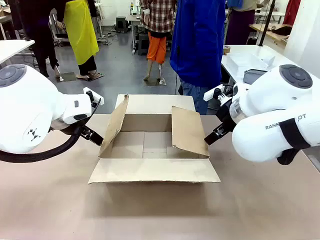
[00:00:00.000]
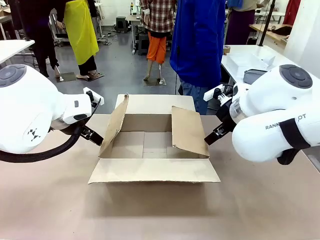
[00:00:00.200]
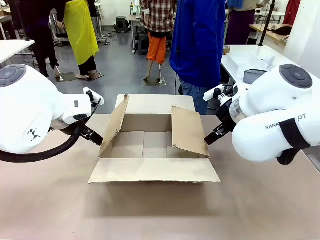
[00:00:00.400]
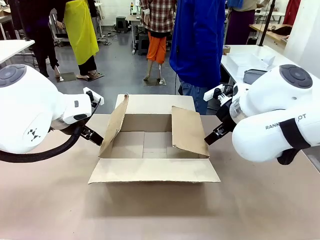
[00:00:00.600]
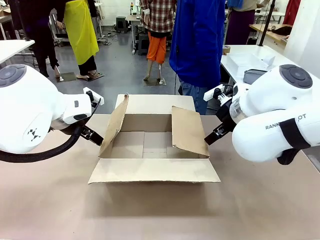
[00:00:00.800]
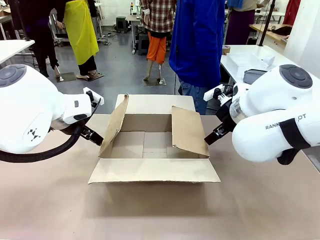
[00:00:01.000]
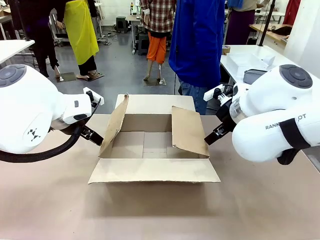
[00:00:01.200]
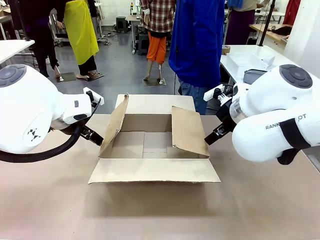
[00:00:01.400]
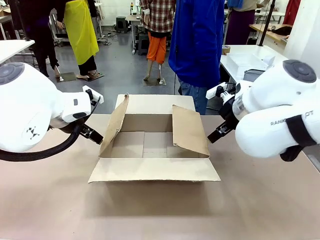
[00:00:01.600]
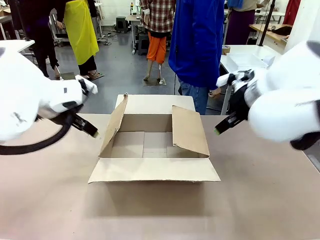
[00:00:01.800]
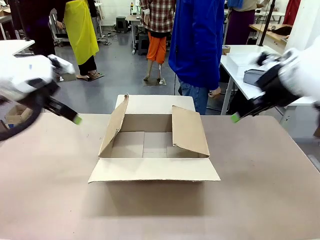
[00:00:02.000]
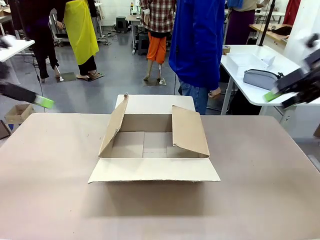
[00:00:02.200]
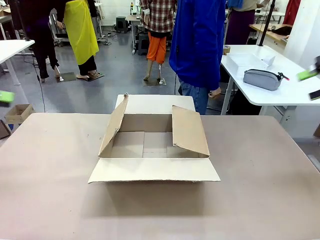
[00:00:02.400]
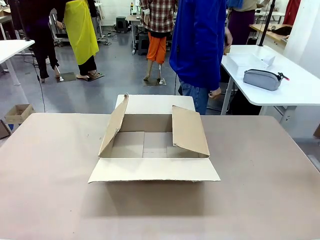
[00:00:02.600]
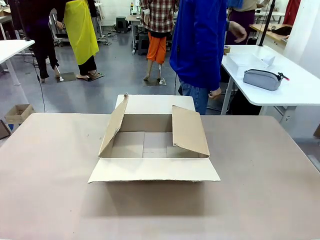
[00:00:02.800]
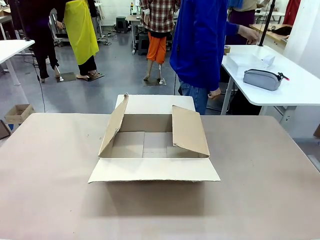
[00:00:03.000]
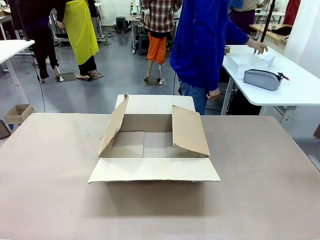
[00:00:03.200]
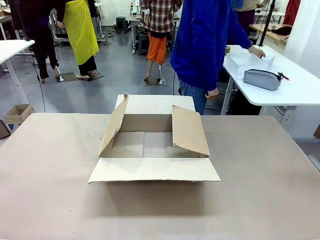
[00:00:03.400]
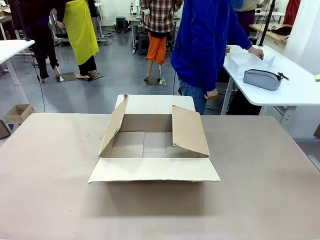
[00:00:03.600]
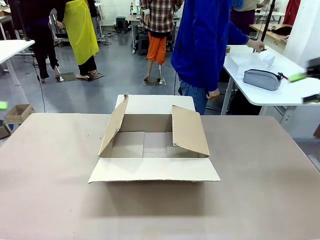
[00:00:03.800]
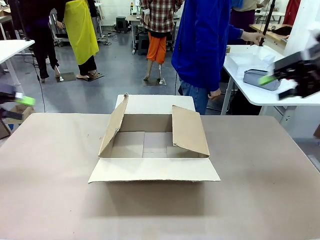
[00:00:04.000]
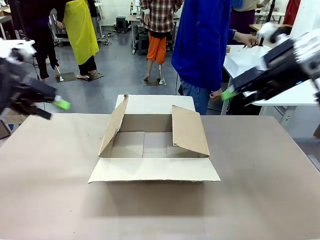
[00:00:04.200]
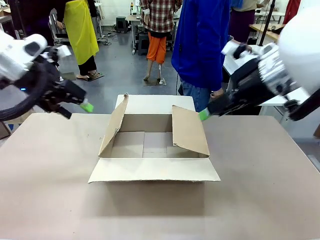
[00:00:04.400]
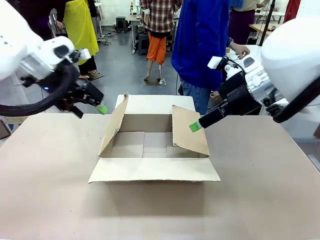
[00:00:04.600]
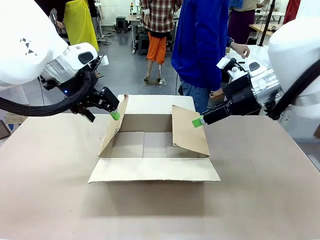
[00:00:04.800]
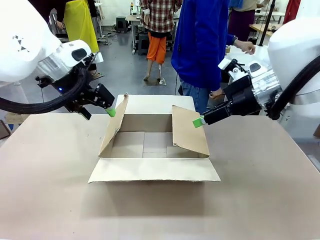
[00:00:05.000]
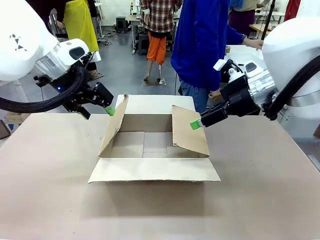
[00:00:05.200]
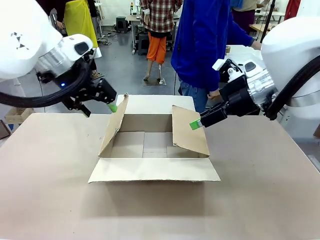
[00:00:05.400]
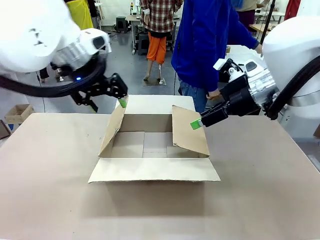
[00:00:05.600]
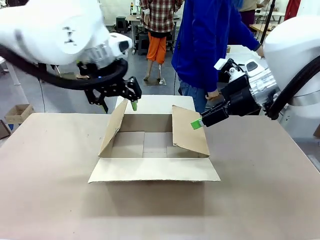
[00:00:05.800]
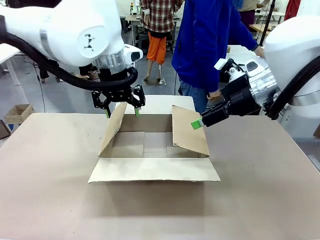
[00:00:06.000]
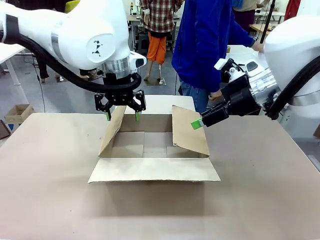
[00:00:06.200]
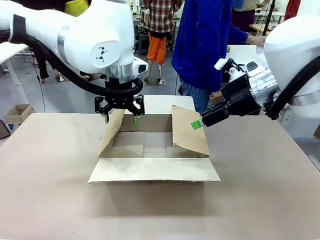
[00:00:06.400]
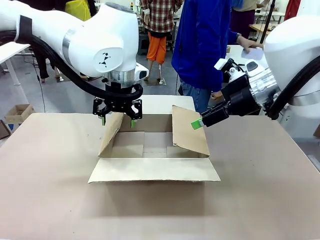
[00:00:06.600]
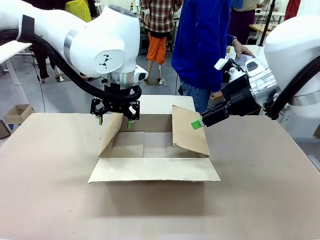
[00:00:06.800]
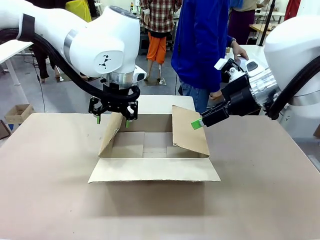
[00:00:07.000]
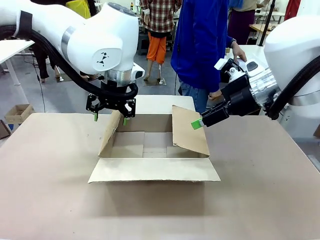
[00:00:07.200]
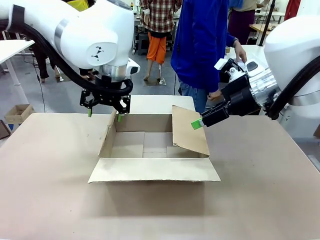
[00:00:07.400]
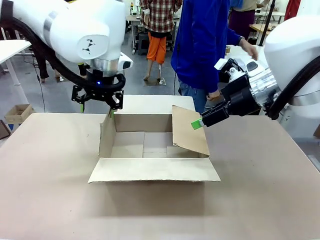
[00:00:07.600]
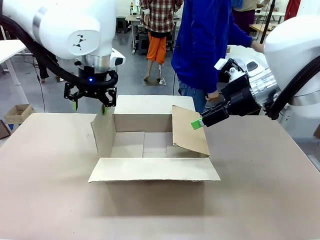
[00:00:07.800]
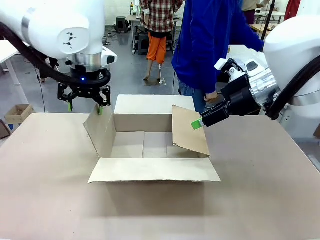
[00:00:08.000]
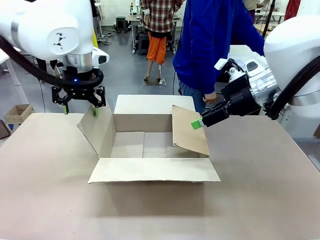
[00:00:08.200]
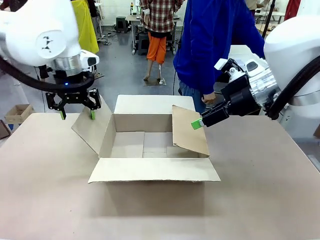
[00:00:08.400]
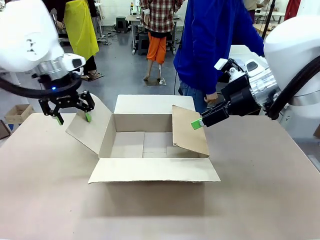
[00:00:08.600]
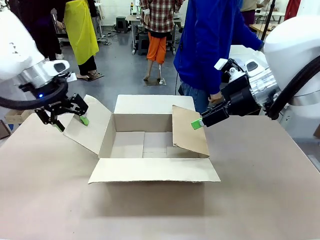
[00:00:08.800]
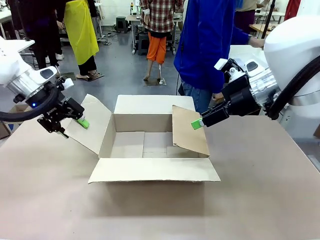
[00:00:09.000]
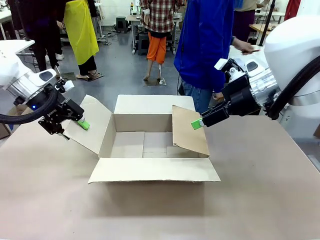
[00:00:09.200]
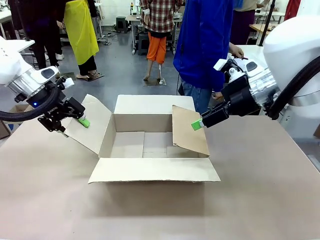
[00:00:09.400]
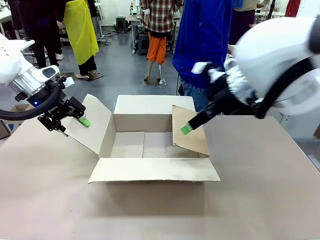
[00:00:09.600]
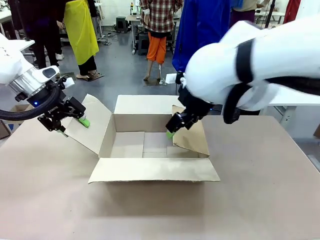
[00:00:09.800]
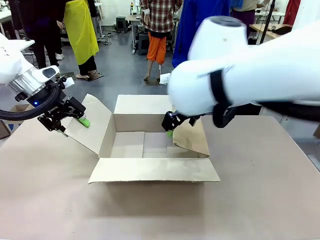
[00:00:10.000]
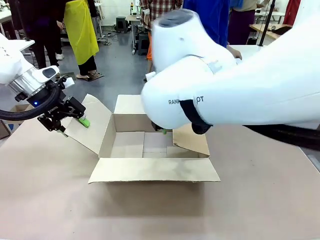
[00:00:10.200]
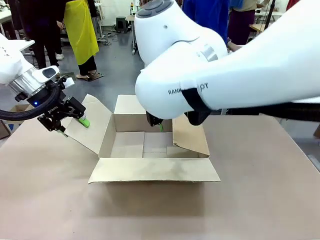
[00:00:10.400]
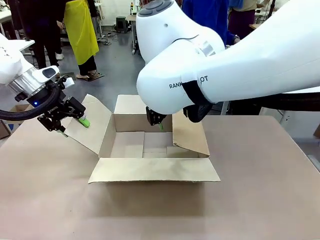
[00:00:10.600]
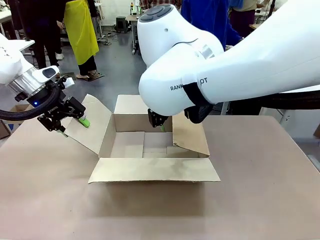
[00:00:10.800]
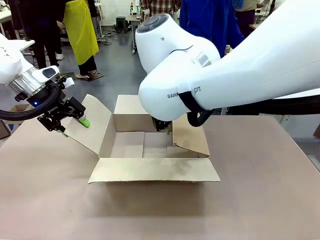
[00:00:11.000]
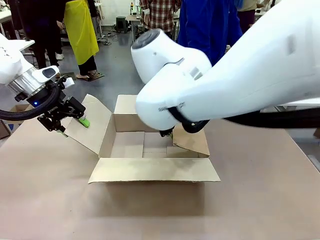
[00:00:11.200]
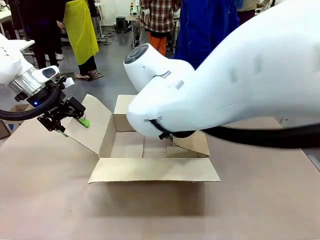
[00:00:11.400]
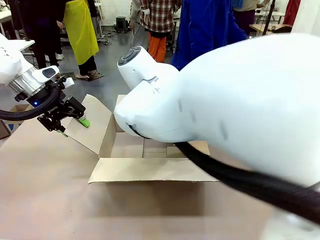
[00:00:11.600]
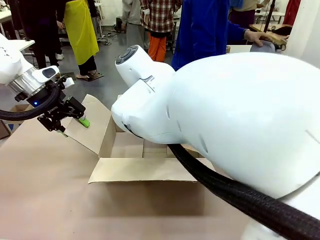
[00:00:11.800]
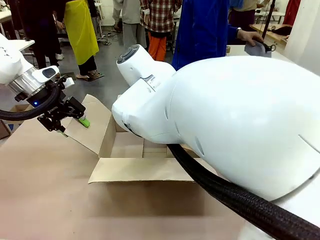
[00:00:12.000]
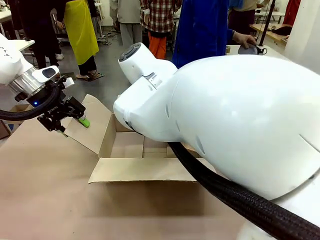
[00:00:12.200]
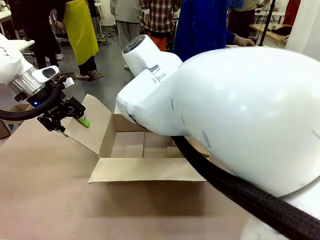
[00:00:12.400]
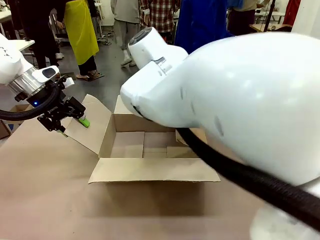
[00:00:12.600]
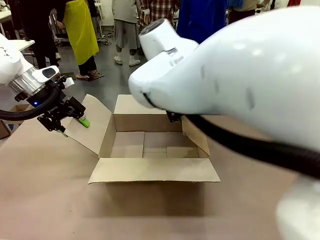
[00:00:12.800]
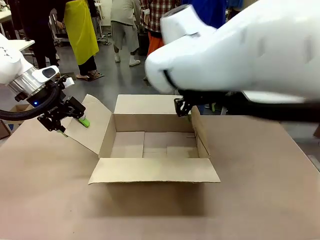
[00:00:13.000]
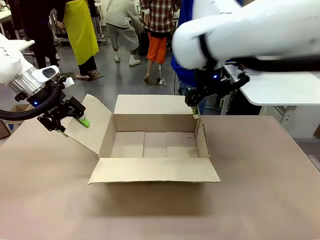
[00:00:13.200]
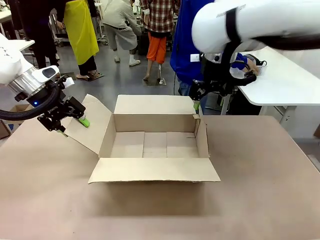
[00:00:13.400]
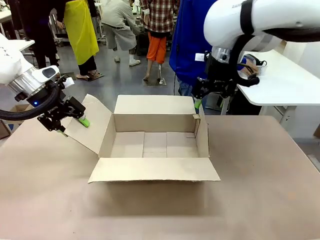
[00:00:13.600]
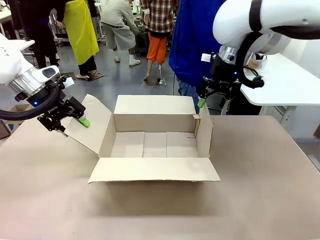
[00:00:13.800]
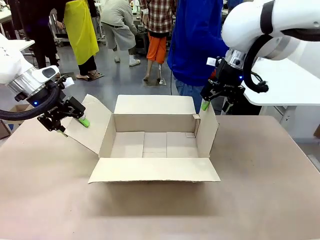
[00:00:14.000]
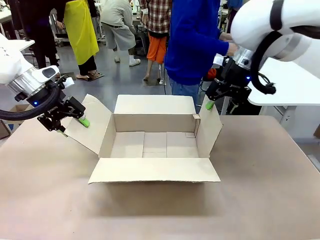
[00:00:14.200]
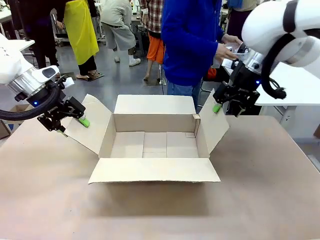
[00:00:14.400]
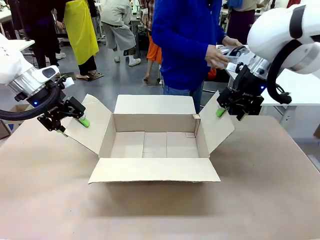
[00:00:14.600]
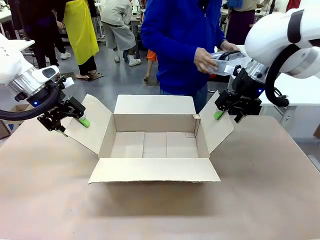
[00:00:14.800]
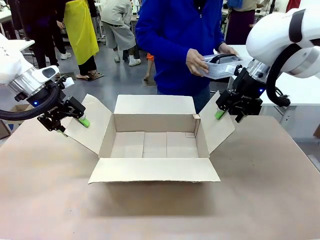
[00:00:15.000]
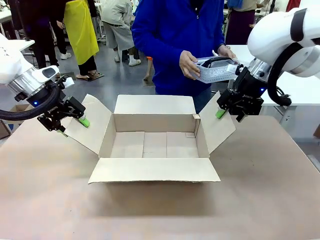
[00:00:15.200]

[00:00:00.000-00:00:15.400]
Task: Pack the gift set into the box.
Robot: Place both hands on the side flaps of the Package Box and spread them outward.
Person: The human places all items except the paper tape into the organizing basket.

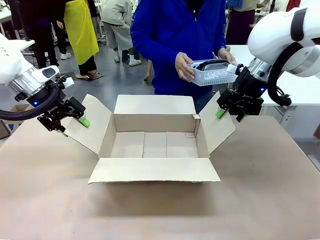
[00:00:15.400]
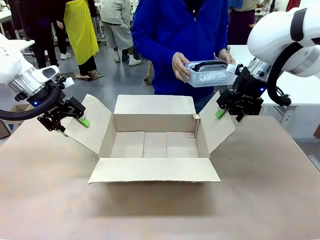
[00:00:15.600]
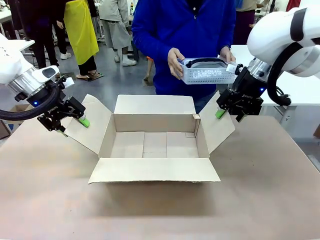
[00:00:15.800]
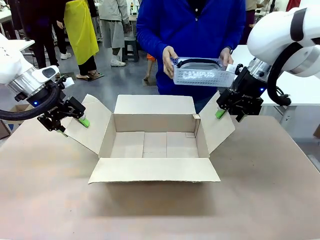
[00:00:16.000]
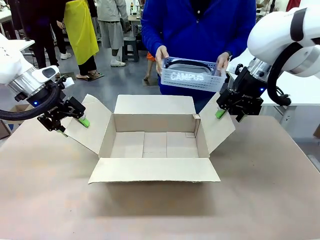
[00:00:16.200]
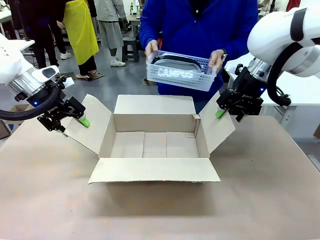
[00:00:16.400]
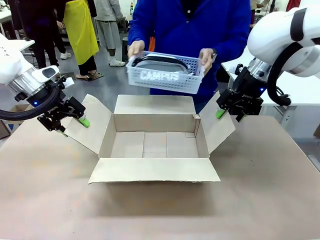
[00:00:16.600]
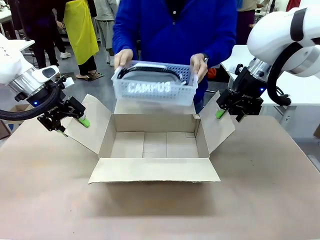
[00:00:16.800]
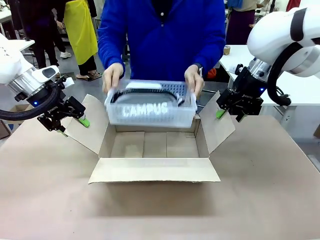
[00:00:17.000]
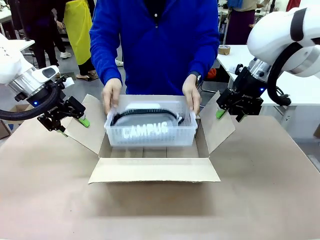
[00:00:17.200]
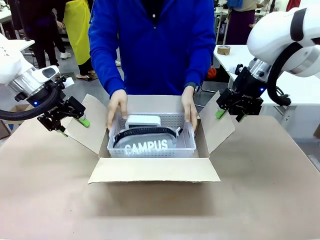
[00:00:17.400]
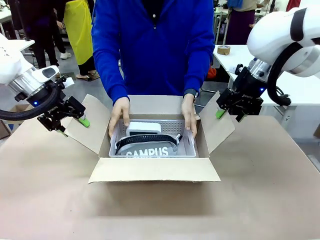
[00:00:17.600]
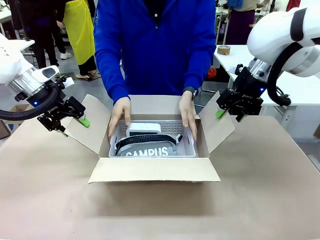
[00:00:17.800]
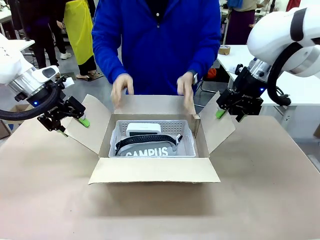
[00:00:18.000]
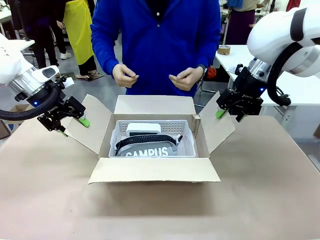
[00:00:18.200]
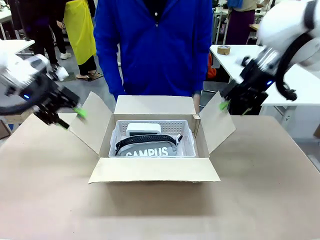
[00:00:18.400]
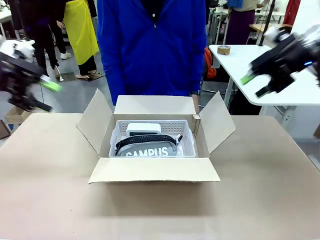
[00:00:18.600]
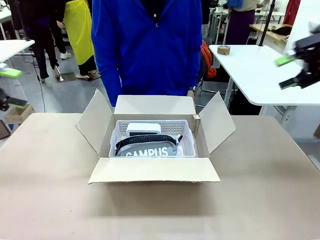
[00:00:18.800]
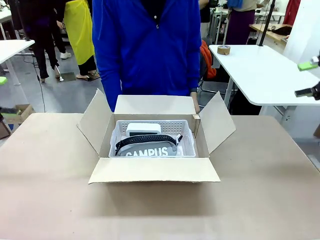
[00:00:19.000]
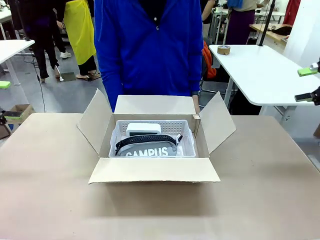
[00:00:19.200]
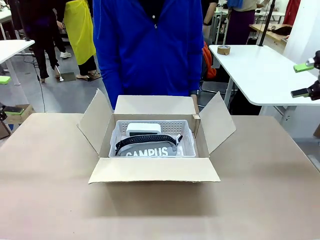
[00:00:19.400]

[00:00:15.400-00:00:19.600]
Robot: Lift both hands away from the flaps of the Package Box.
Person: The human picks up the organizing basket and places the organizing basket into the package box on the robot table.
